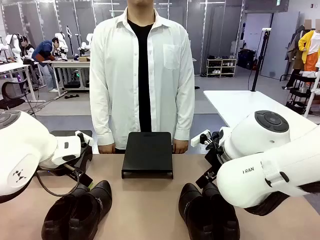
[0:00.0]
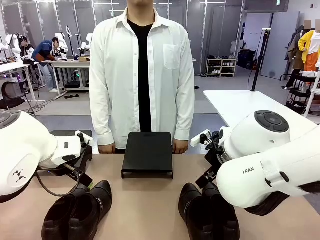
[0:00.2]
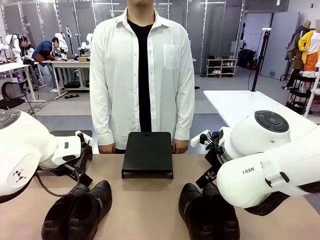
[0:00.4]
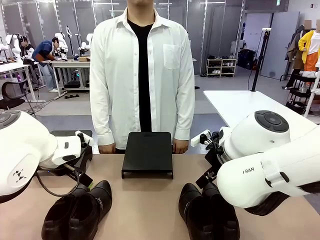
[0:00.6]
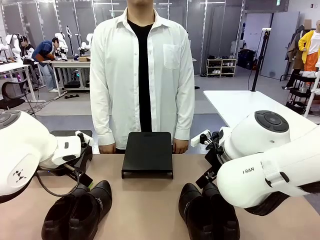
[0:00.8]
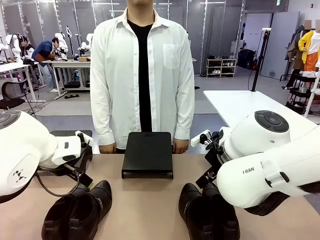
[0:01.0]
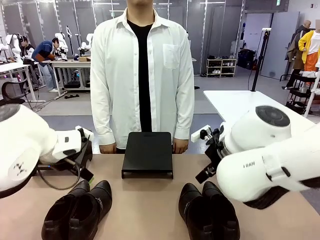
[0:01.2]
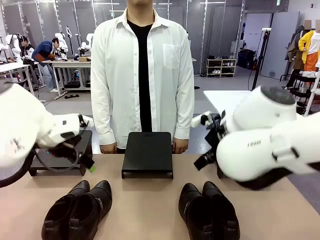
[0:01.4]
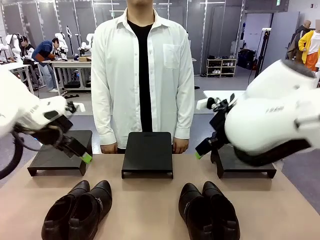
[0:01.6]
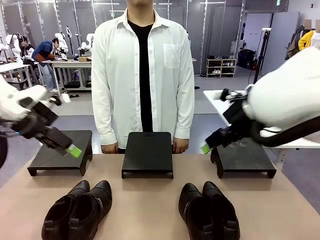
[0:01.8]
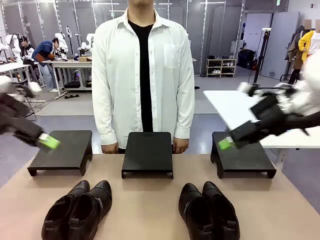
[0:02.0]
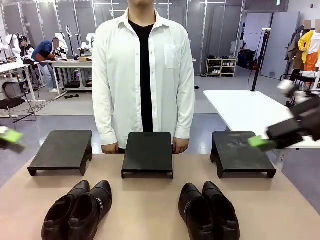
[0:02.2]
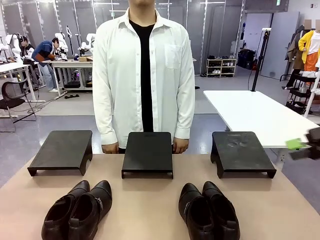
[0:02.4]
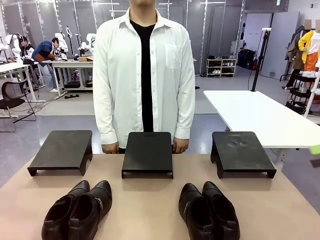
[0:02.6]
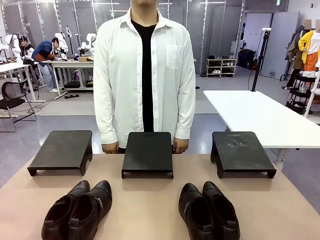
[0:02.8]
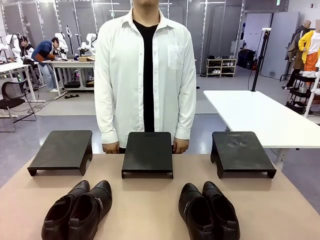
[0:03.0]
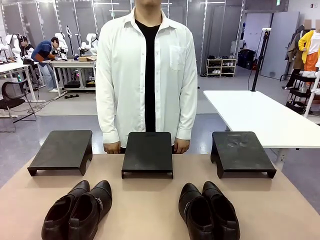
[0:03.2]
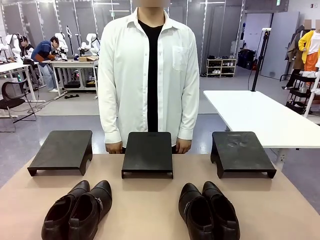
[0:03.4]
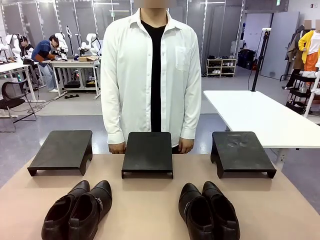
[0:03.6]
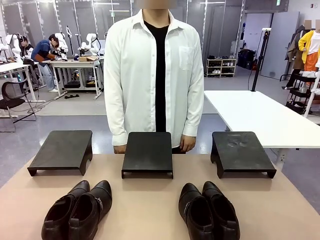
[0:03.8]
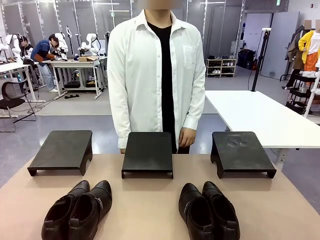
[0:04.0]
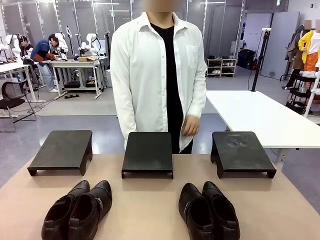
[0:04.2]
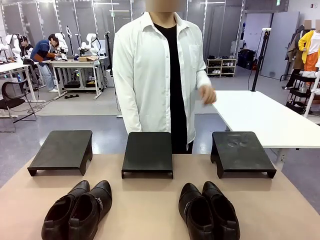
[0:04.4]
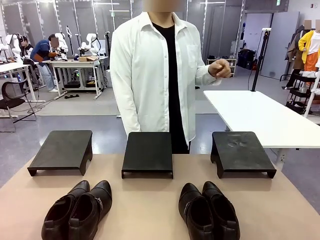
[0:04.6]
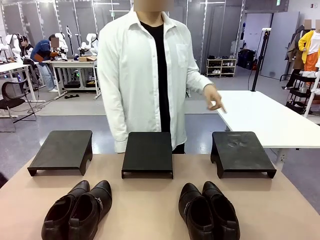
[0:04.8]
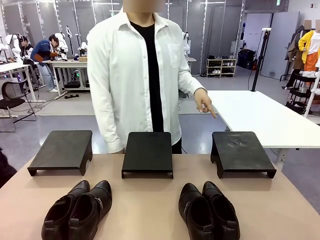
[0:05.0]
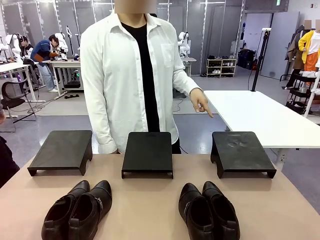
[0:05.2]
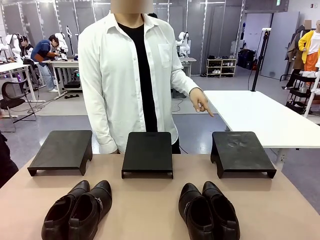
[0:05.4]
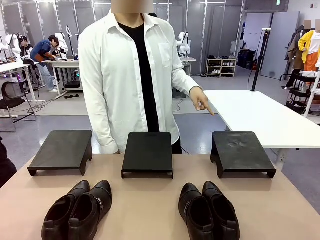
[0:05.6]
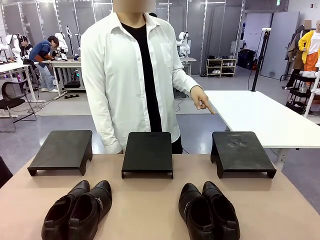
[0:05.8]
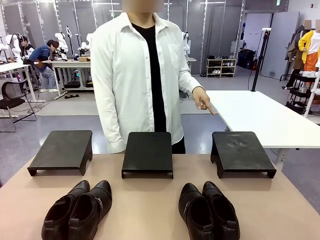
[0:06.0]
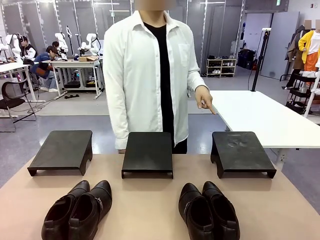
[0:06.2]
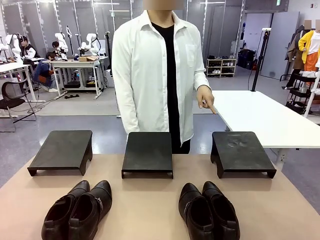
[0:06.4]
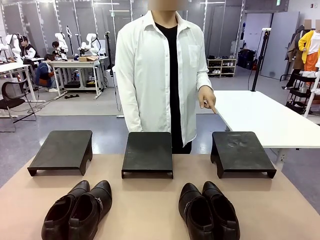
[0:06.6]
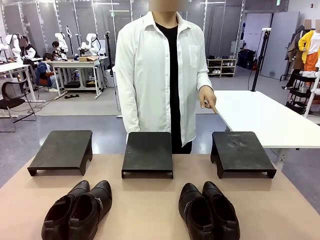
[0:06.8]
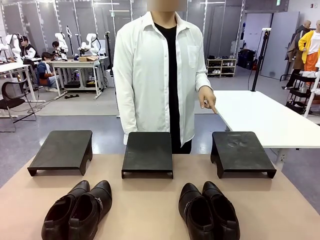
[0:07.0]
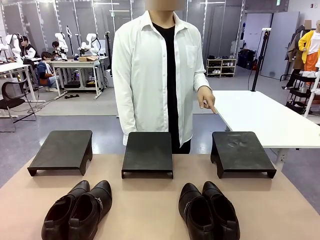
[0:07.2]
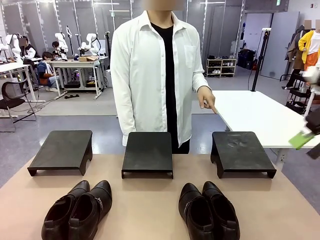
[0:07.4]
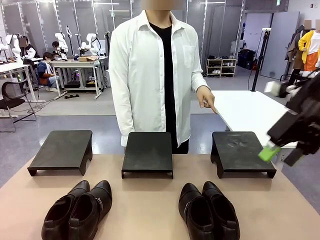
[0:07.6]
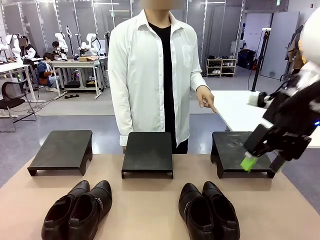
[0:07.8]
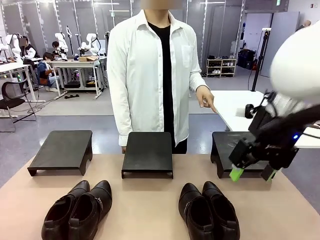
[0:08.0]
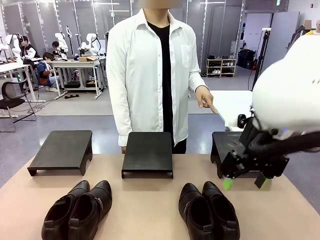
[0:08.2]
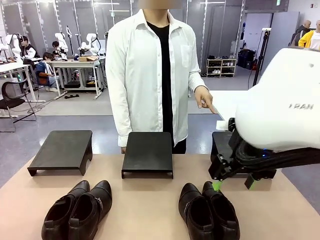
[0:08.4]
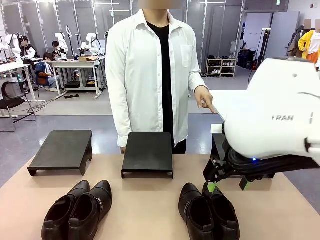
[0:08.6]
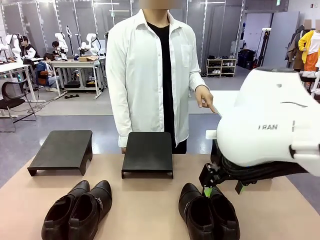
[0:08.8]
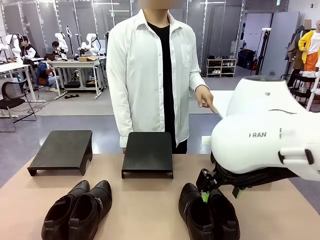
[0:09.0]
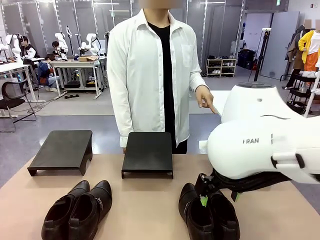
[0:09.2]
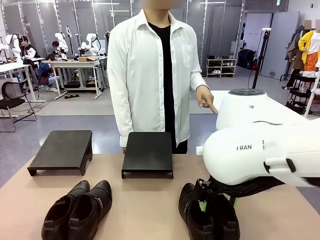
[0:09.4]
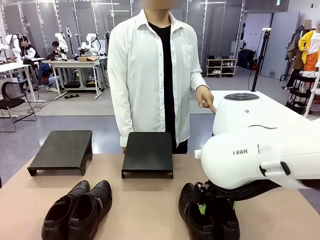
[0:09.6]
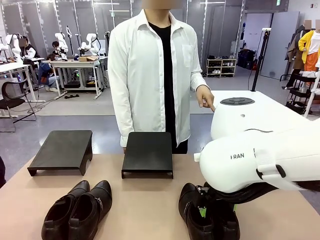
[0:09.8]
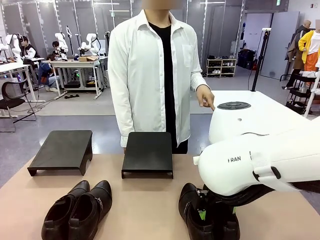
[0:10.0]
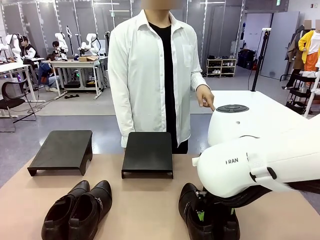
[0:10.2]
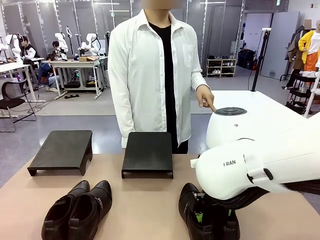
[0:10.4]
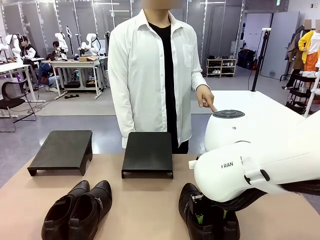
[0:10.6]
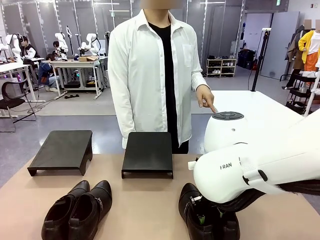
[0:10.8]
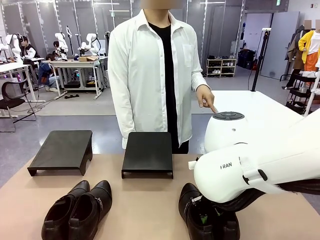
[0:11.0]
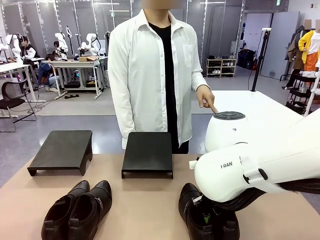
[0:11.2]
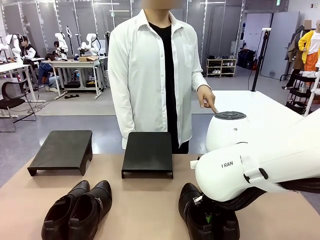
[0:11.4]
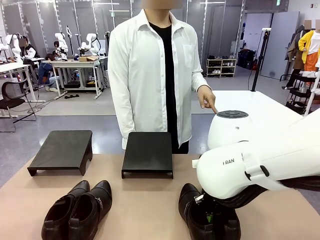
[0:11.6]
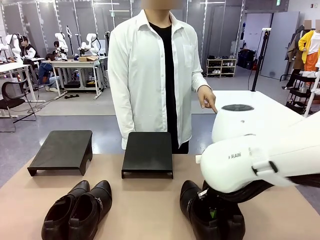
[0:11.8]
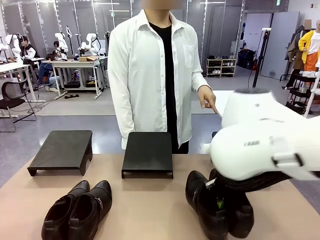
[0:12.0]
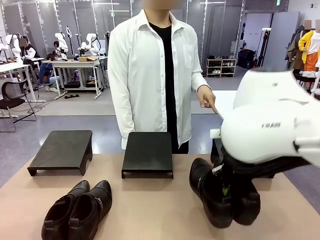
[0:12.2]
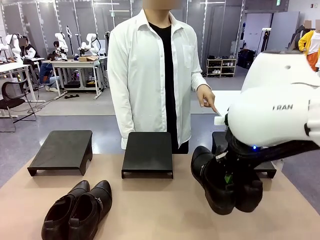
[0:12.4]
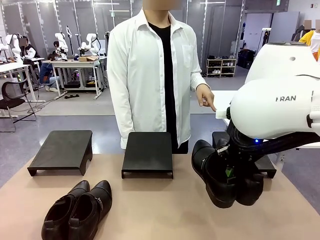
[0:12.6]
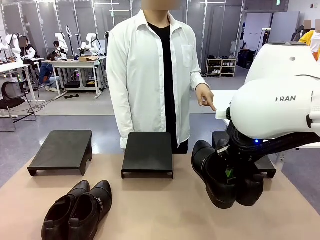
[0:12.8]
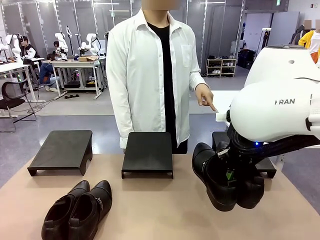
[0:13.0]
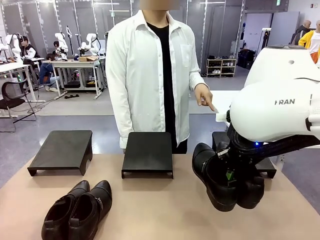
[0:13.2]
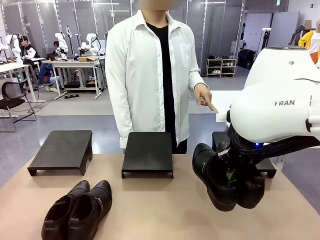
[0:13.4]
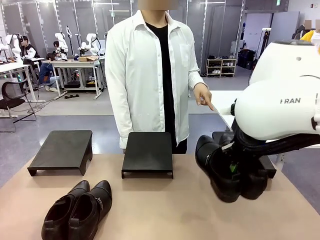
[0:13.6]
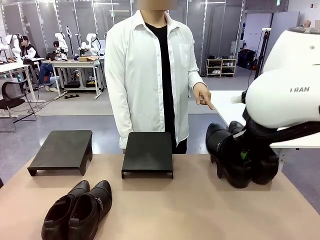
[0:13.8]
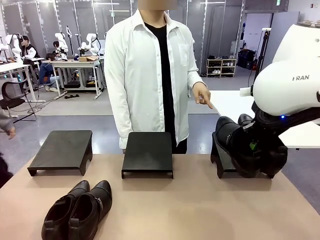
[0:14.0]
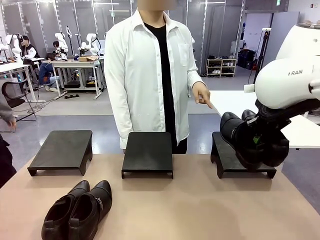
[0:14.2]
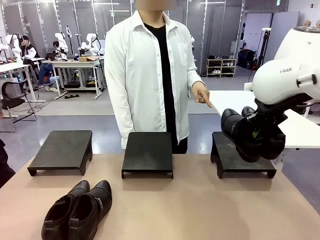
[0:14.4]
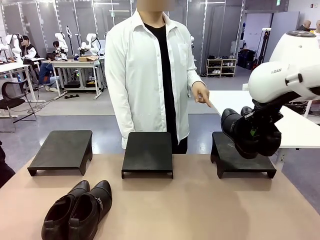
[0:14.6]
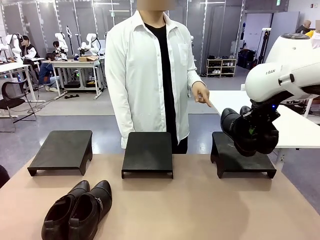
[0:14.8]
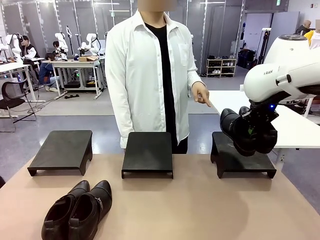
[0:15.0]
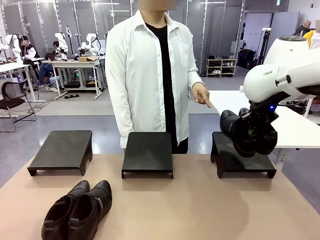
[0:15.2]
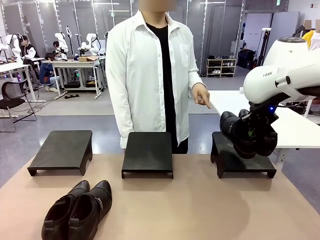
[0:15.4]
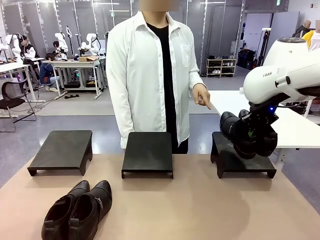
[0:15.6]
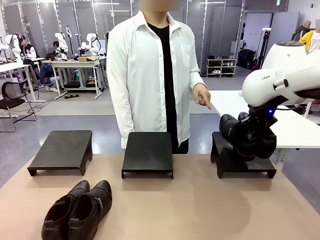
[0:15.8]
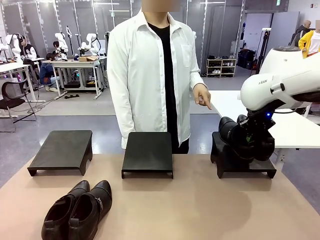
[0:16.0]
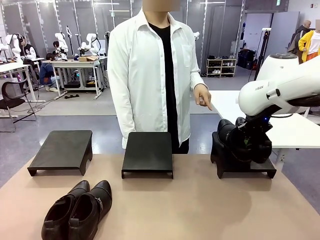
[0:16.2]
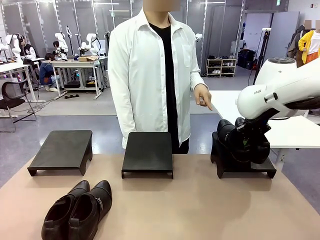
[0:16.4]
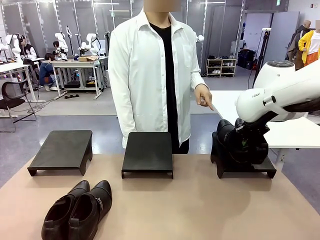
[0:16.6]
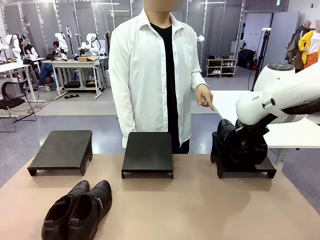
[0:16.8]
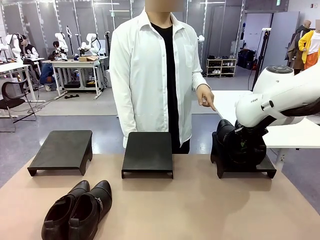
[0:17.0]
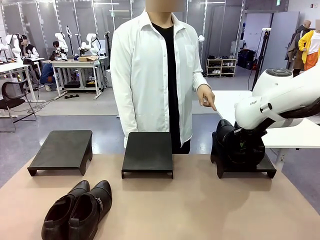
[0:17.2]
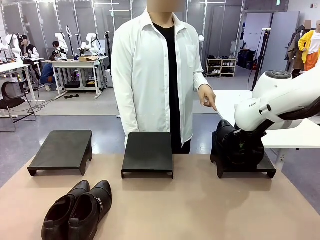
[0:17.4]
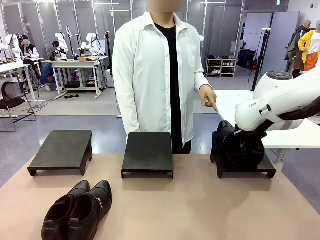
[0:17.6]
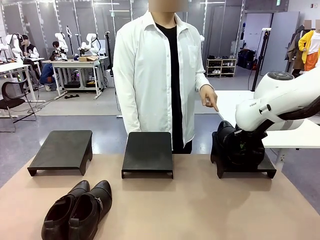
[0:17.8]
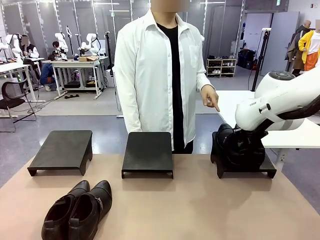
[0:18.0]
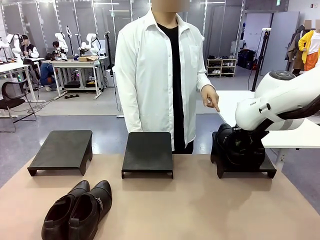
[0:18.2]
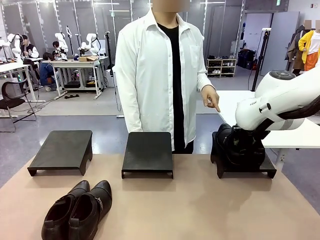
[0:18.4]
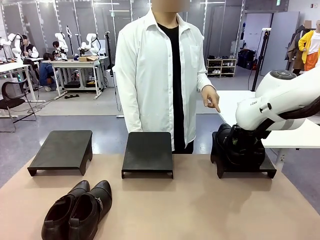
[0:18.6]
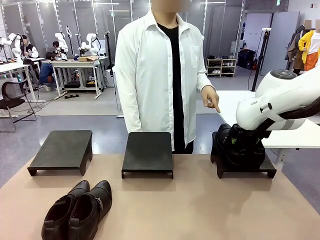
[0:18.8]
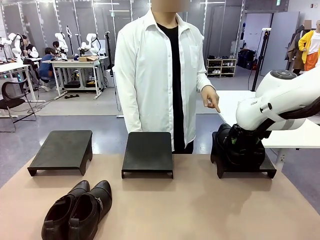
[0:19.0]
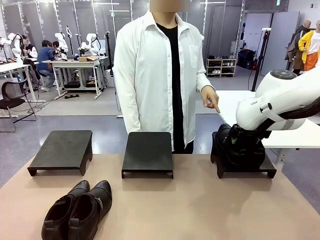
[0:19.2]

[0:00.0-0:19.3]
Task: Place the shoes on the stand as instructed by the person.
Robot: Pick up one pair of Shoes and place it on the Shoes Stand indicated by the person.
